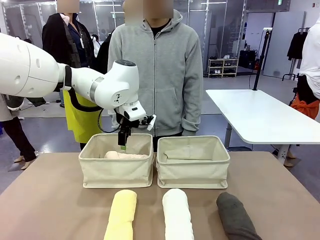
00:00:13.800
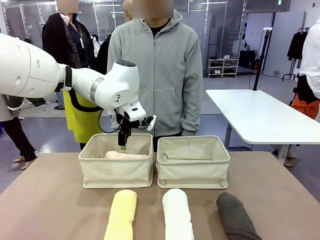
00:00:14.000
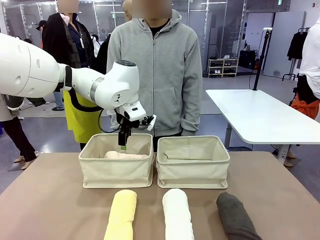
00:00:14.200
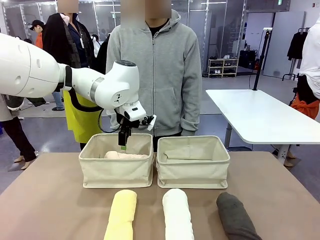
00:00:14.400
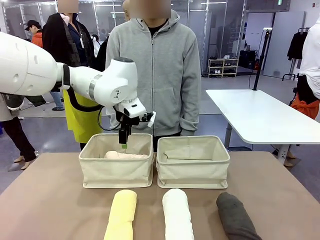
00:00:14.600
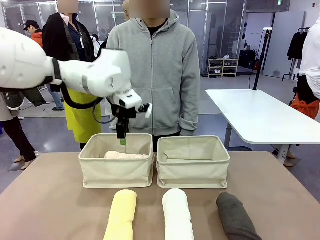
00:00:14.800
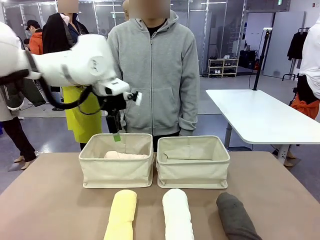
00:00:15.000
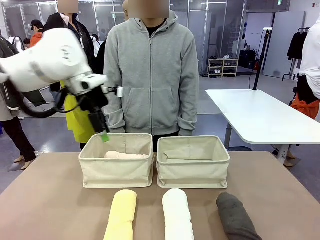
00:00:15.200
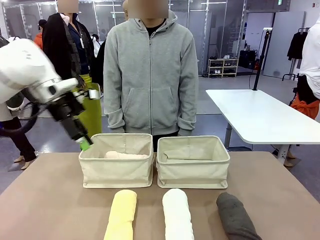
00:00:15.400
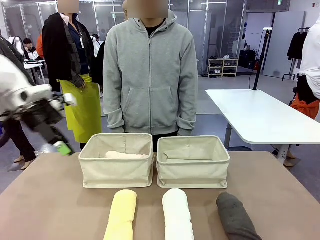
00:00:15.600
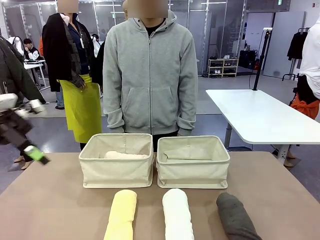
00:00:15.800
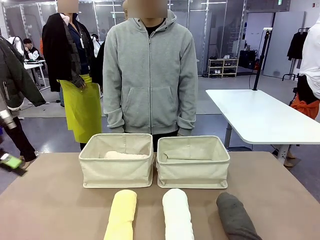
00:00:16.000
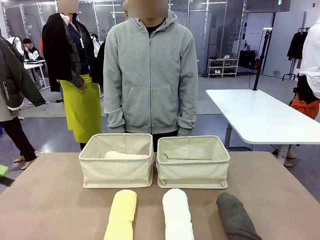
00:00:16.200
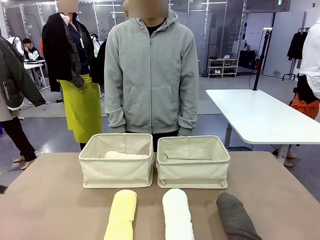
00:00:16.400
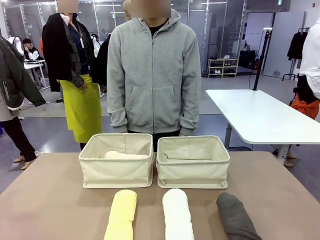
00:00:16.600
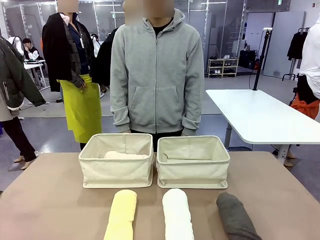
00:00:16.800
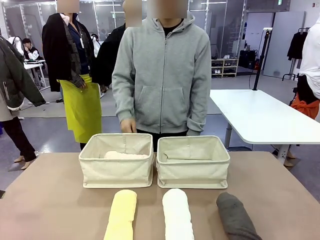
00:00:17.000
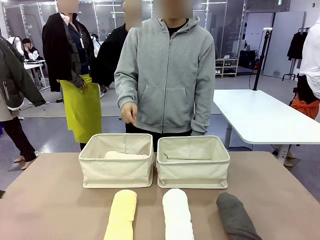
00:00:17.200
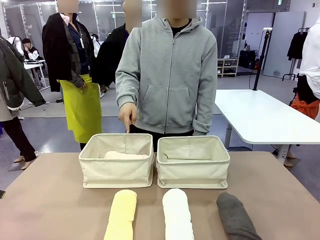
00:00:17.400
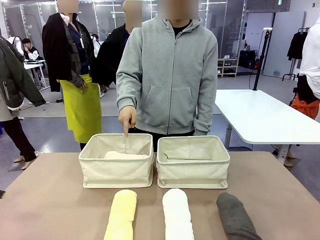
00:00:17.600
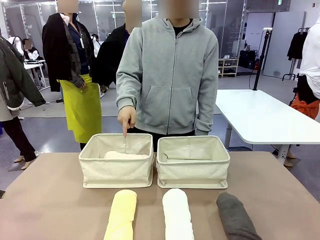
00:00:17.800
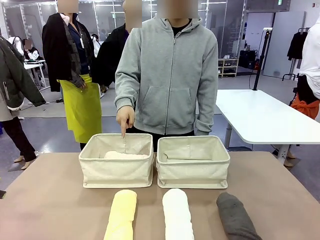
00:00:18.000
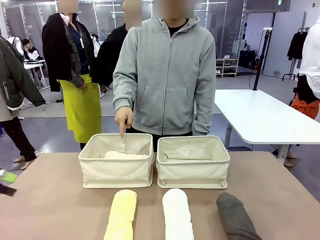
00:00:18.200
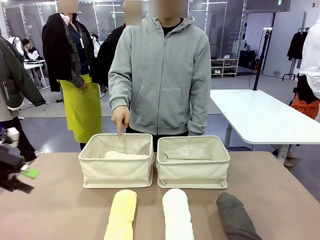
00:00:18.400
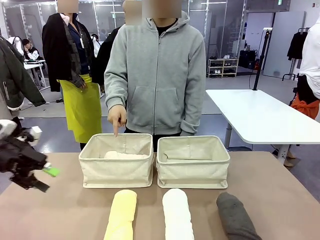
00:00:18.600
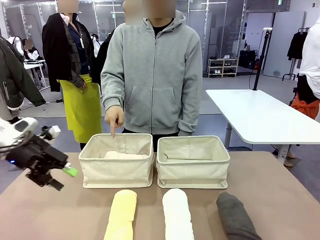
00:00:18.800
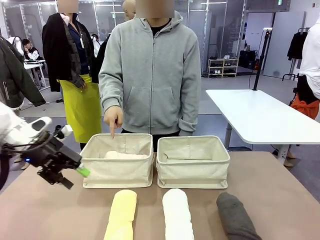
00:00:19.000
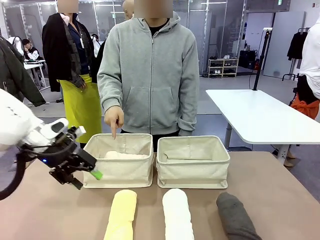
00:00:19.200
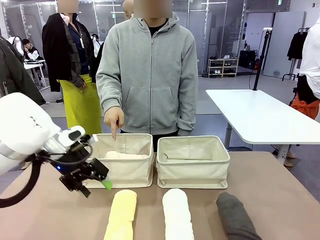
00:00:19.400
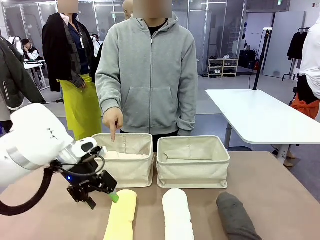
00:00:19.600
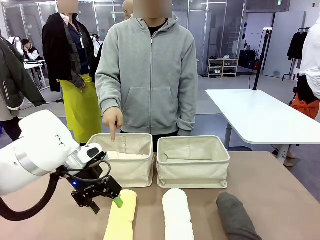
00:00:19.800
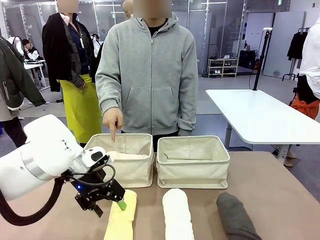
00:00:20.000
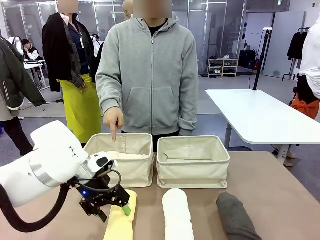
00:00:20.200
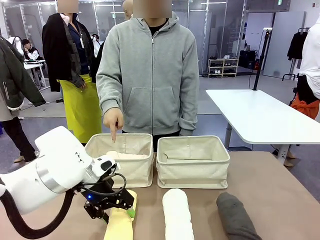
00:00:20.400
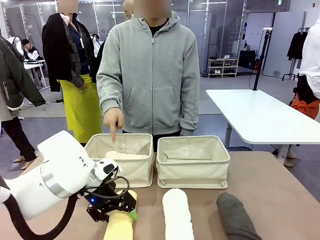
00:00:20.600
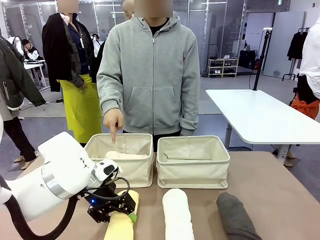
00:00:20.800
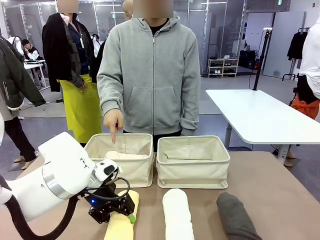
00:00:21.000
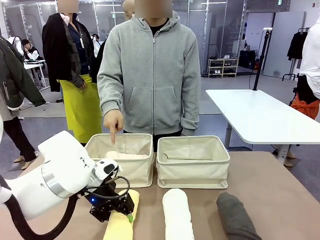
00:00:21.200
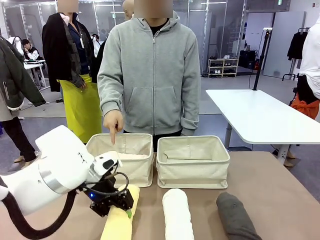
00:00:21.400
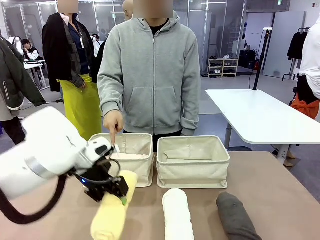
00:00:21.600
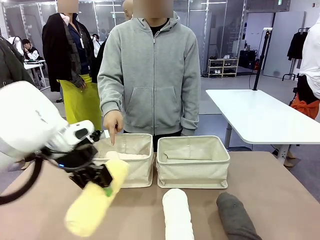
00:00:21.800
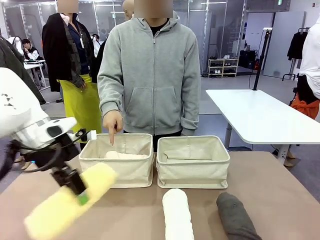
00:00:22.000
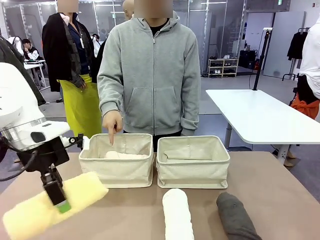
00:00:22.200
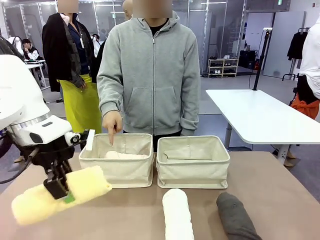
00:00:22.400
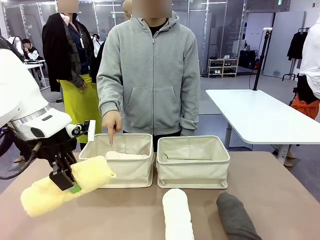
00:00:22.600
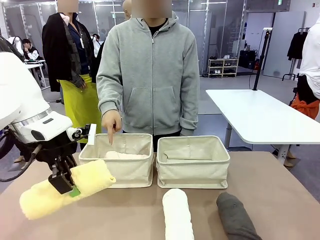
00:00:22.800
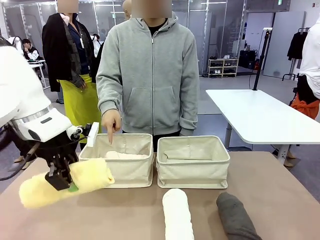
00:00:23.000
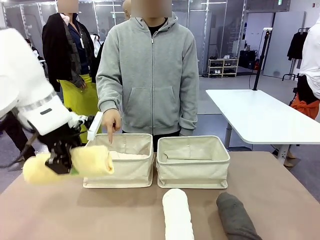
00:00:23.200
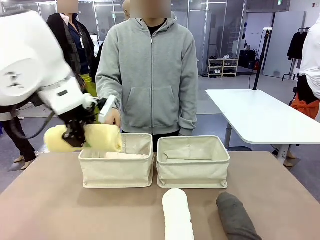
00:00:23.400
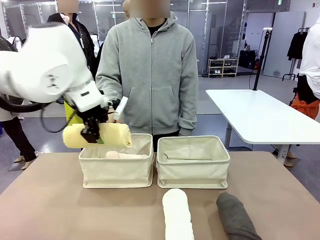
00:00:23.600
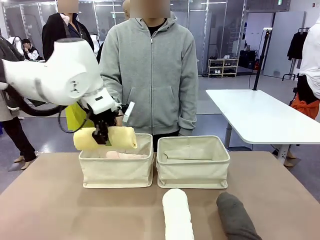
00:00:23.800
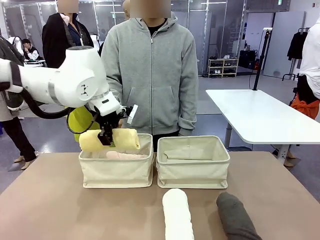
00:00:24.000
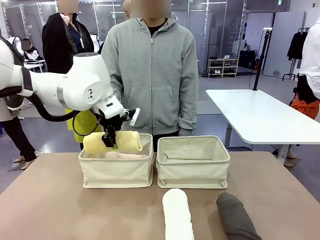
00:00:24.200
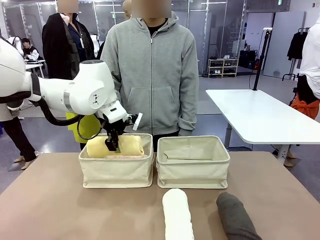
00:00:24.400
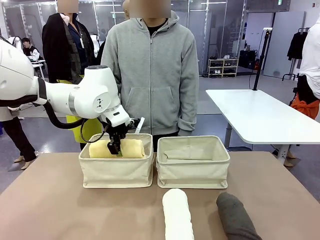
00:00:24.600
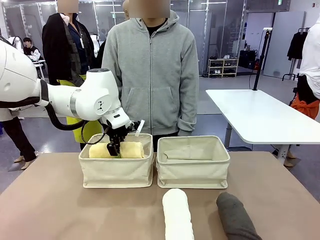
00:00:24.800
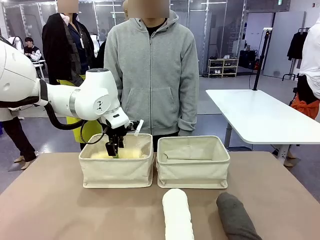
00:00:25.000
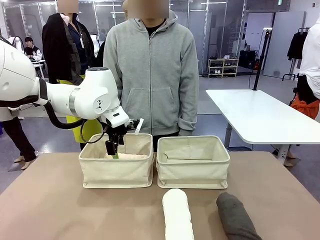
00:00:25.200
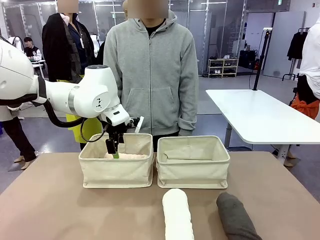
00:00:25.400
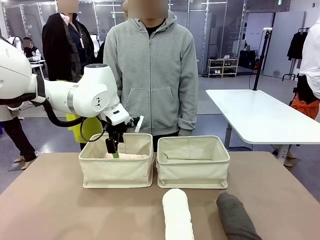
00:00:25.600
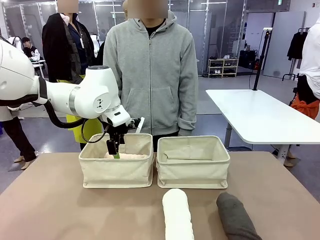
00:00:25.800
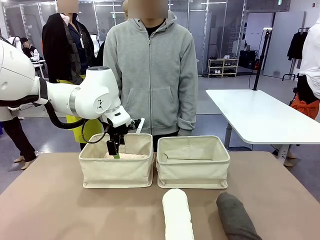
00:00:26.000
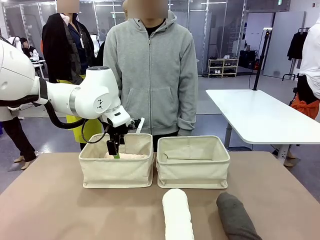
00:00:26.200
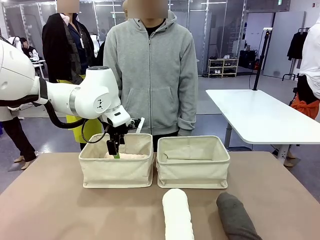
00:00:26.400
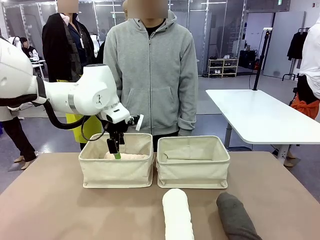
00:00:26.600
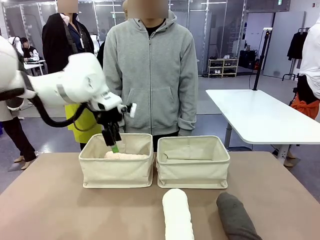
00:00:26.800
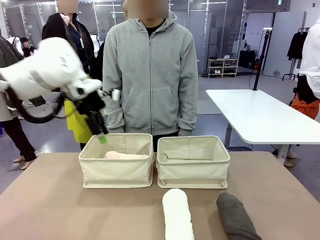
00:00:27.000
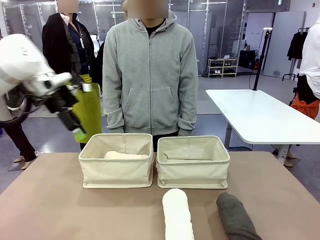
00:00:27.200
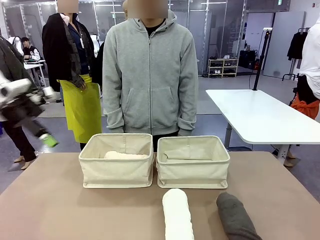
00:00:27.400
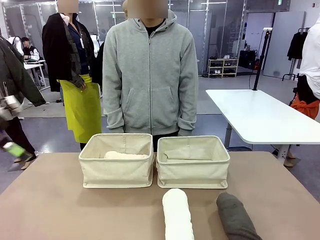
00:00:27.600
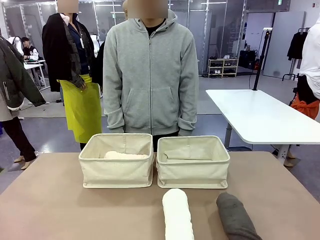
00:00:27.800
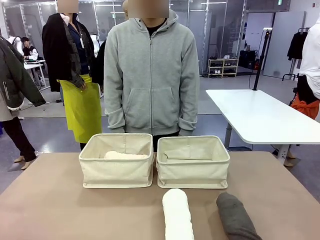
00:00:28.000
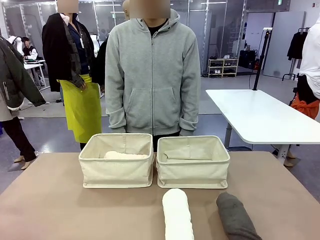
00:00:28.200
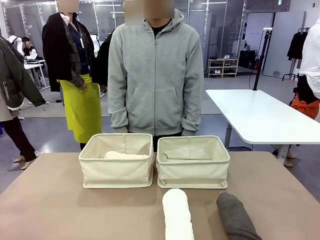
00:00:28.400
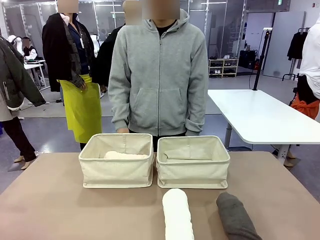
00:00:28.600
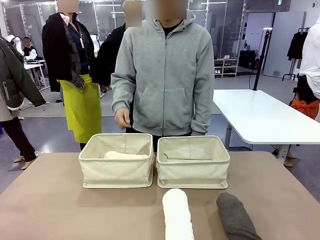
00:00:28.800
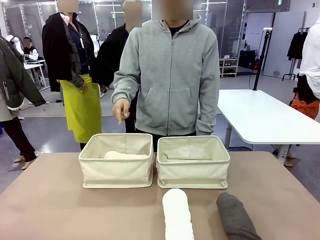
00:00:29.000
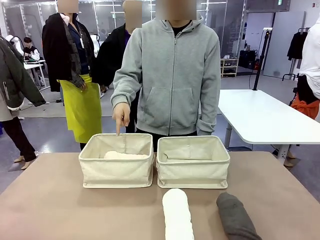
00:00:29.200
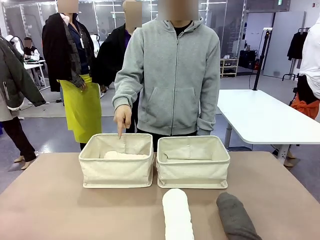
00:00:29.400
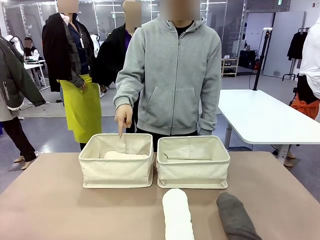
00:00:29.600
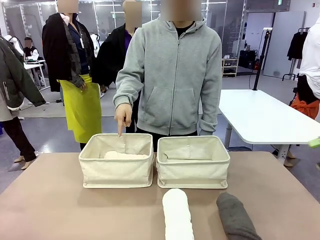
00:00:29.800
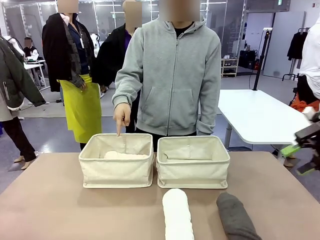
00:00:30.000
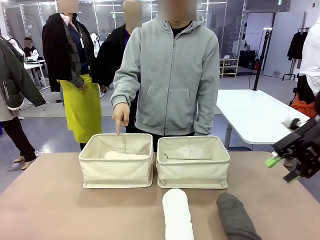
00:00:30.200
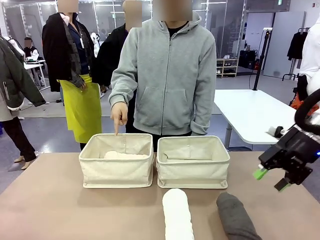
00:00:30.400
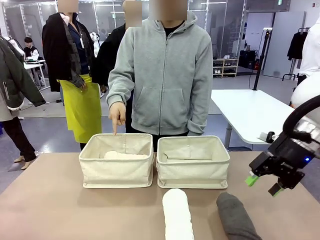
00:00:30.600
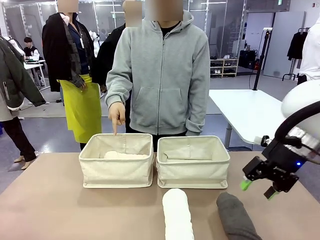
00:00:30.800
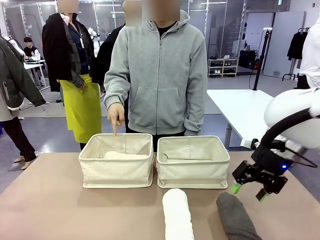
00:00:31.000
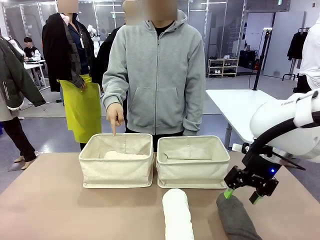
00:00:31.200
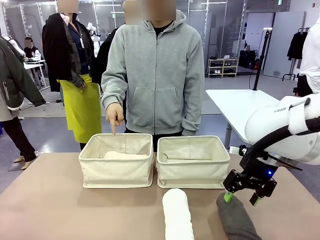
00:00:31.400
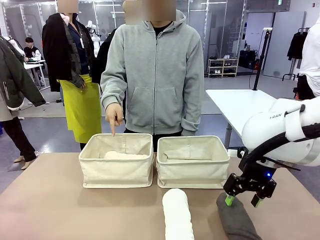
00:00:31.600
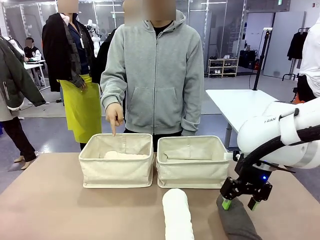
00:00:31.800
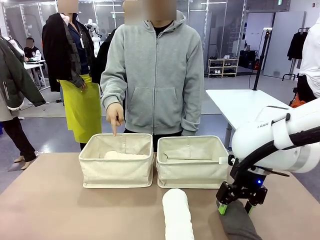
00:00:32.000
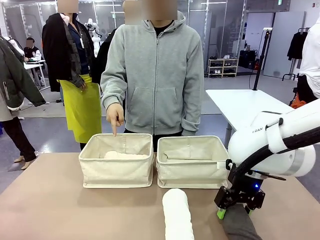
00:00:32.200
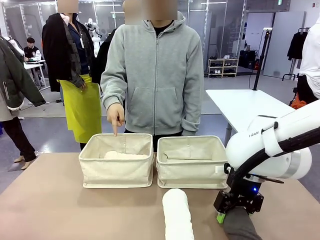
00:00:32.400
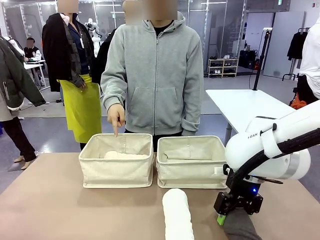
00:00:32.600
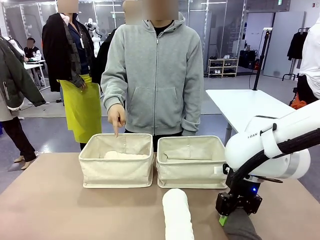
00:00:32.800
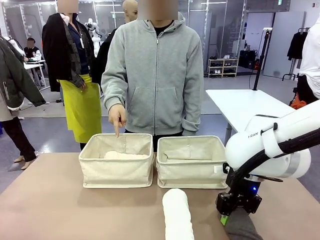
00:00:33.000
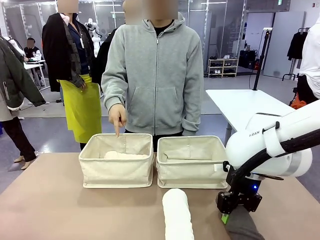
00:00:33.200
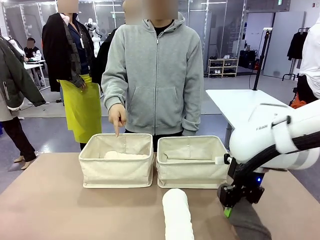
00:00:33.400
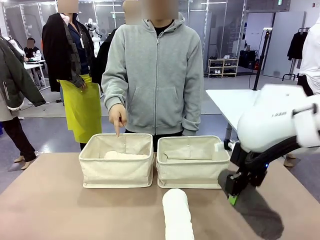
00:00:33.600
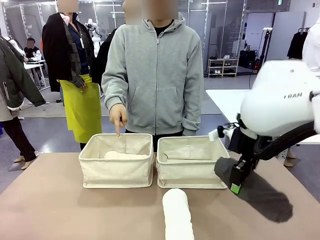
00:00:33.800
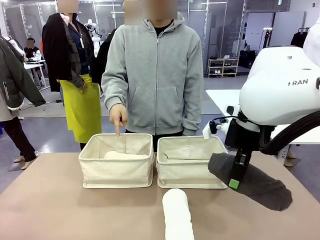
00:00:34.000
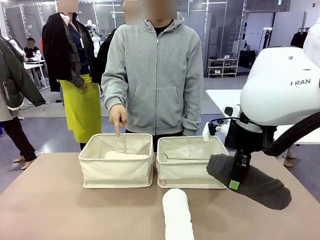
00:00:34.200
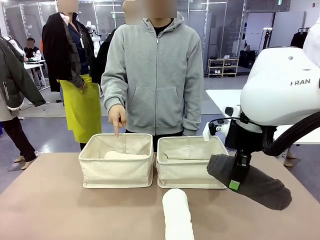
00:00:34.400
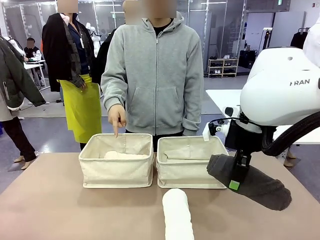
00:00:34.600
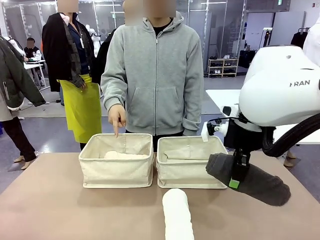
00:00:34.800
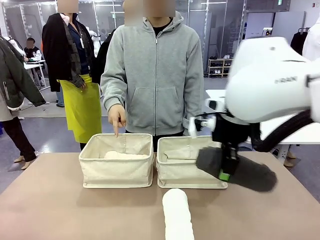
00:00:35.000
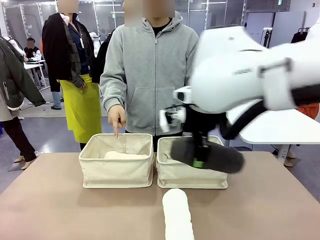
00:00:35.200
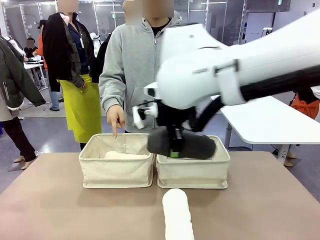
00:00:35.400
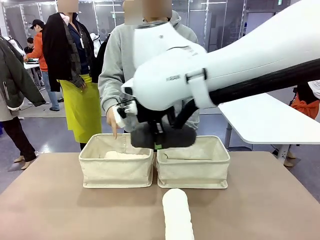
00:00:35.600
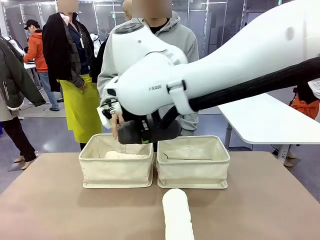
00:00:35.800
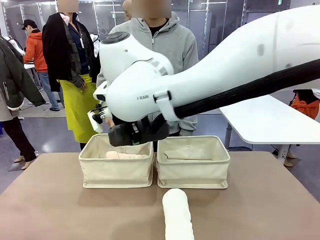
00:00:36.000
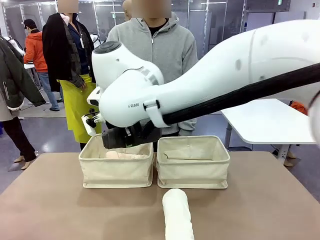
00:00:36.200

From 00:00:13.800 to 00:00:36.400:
Task: Divide the towels into two baskets.
Robot: Pick up one hotel-folded towel from the bottom of the table and place it in the Fabric basket indicated by the person.
